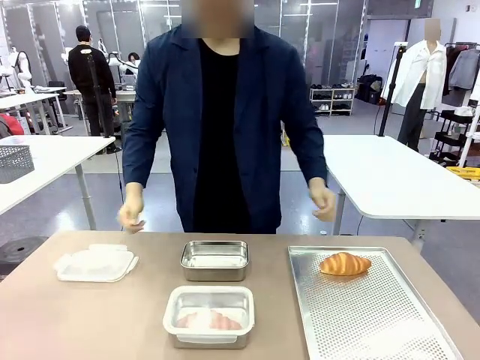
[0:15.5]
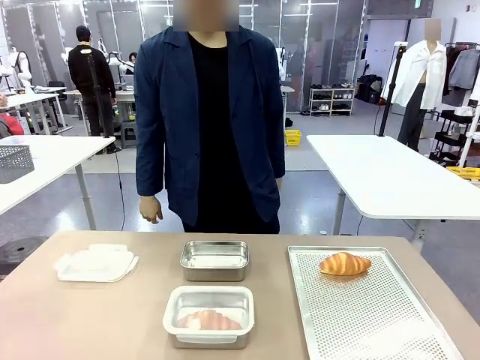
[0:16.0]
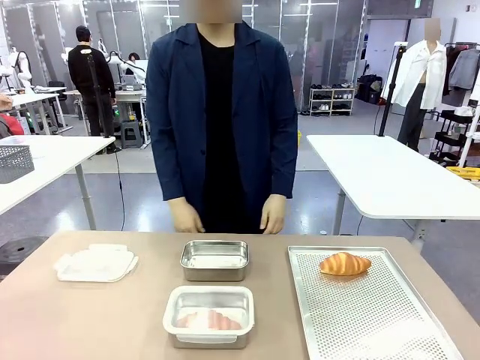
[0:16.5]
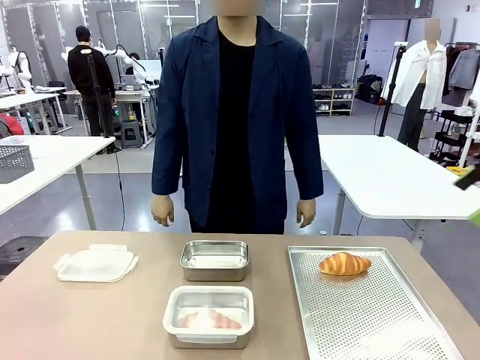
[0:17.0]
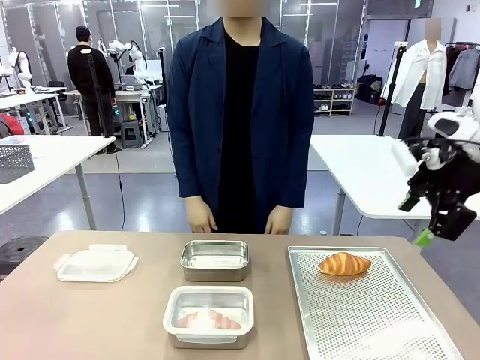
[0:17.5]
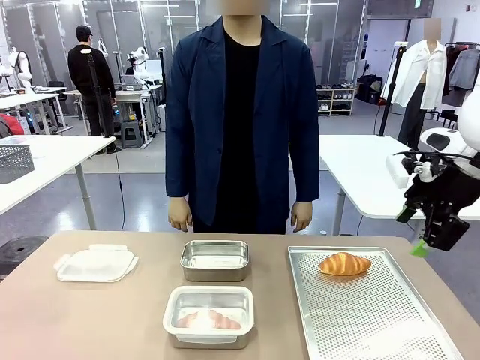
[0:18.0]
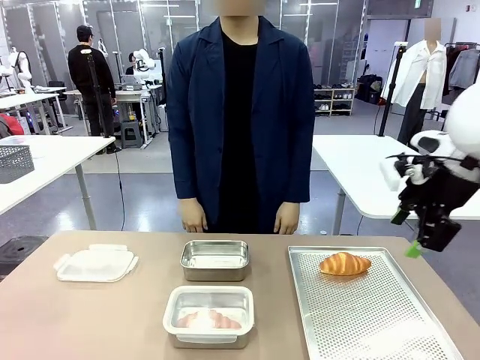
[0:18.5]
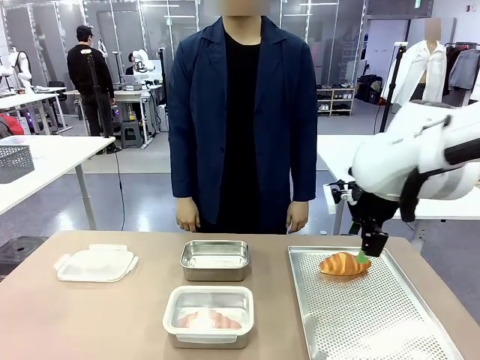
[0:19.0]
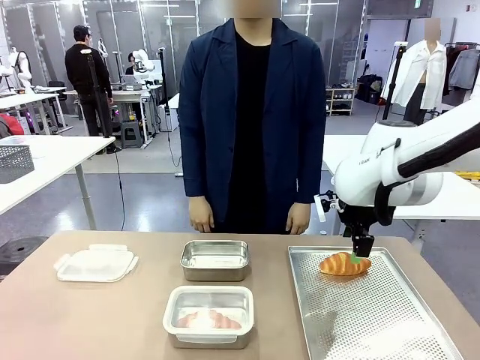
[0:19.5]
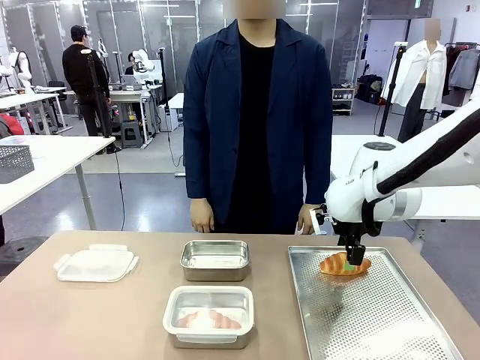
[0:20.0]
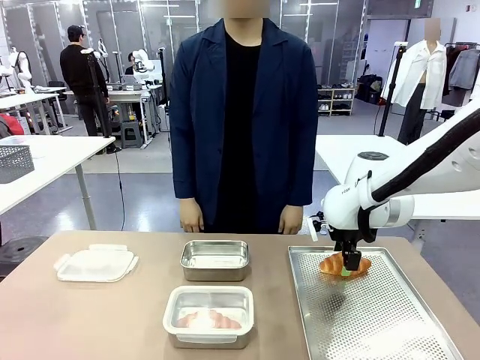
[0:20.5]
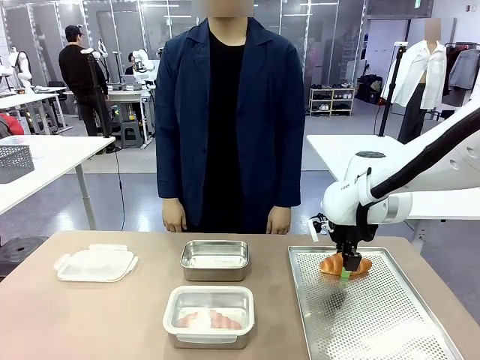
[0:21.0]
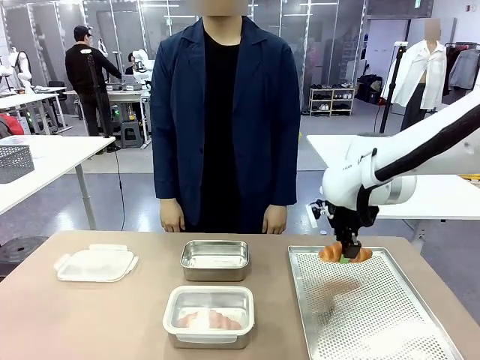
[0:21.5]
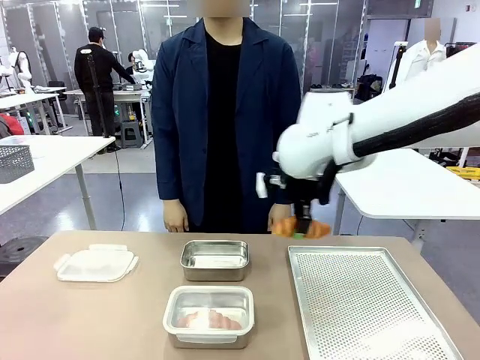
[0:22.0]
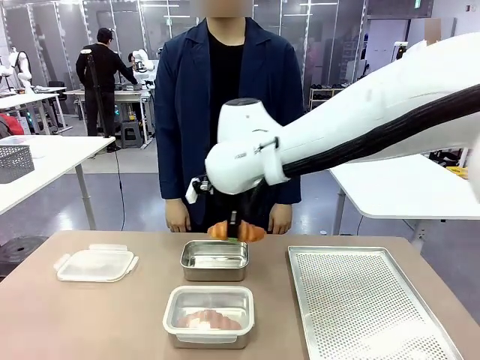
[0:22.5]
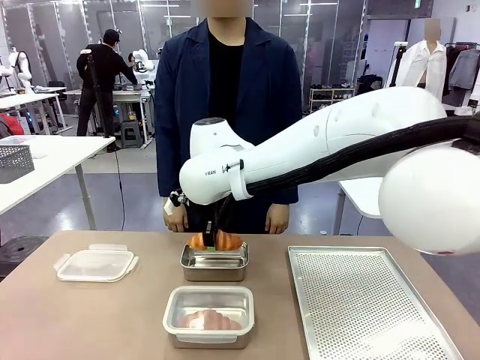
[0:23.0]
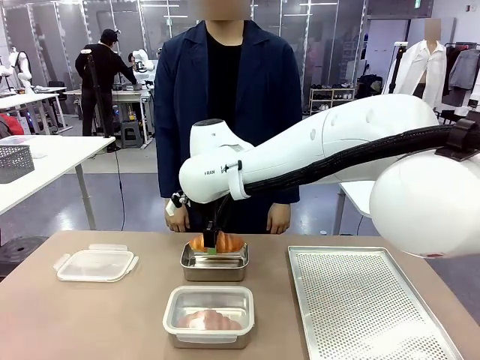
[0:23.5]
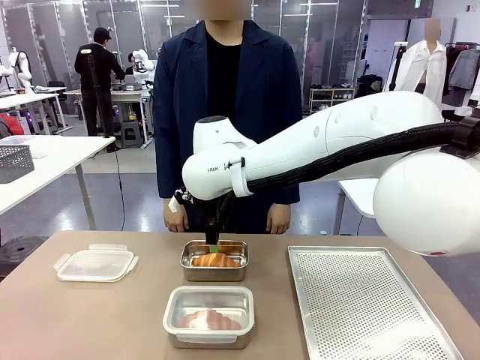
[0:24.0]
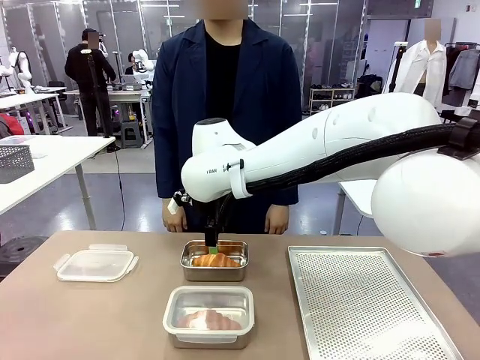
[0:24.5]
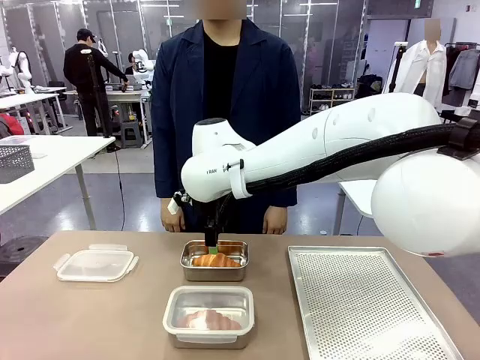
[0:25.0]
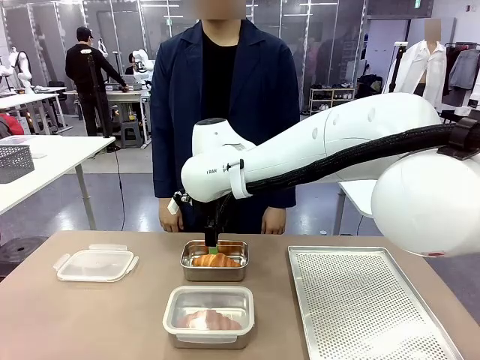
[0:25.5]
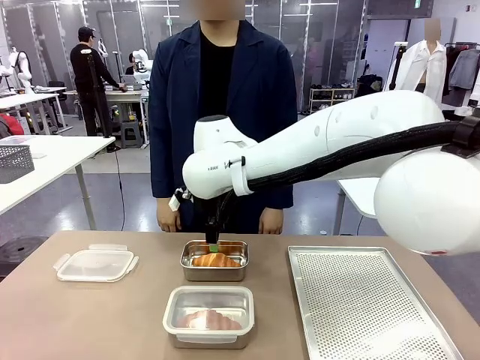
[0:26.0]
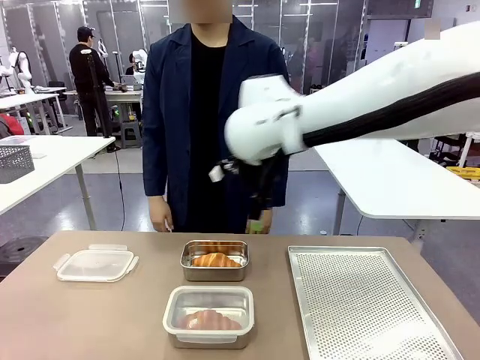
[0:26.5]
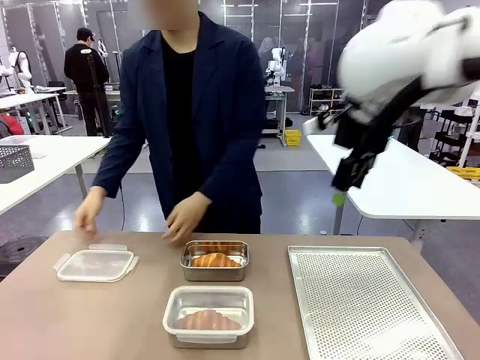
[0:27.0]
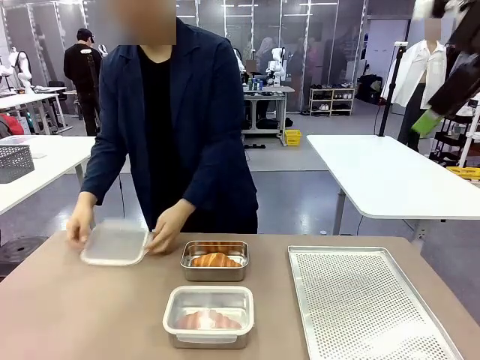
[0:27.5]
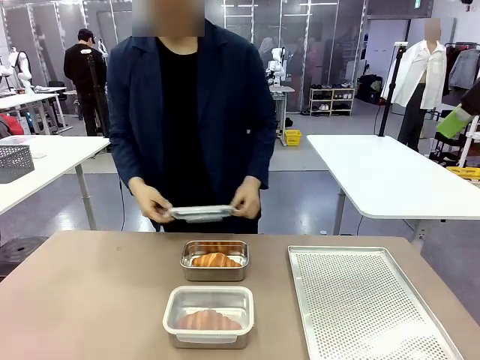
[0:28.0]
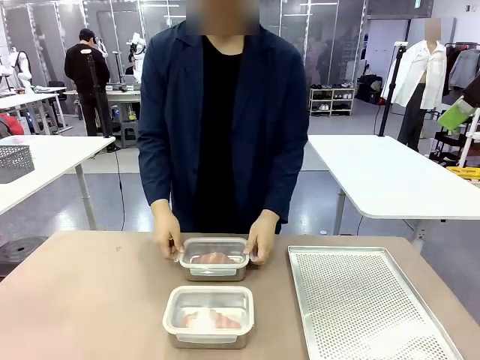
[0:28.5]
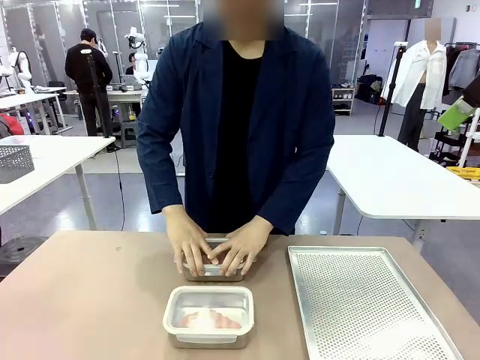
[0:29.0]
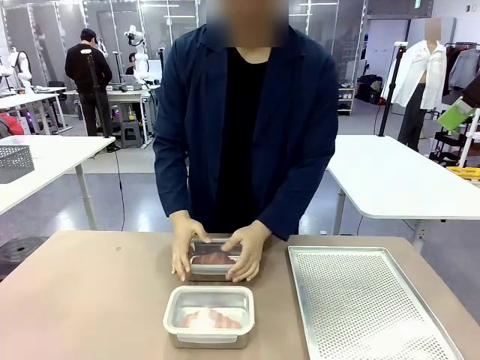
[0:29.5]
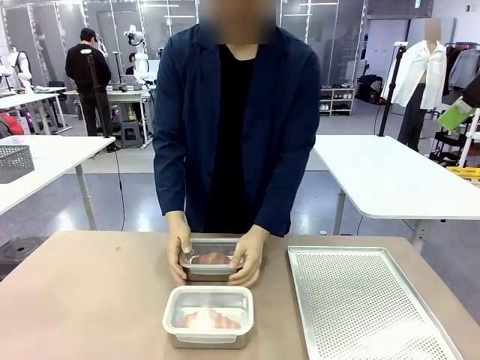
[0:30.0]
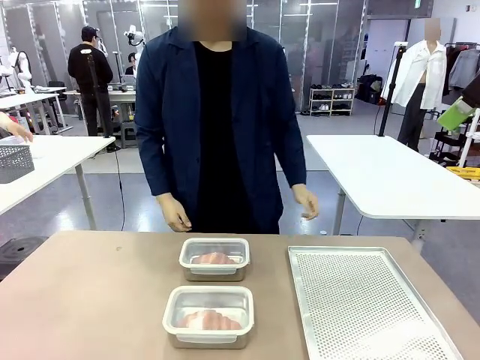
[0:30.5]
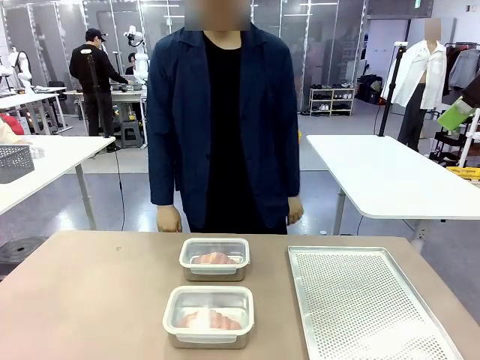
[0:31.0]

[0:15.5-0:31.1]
Task: Place the bread into the airtight container.
Robot: Pick up a Butter Roll and place it into an empty Airtight Container.
Person: Once a Butter Roll is inside an Airtight Container , close the lid of that Airtight Container.

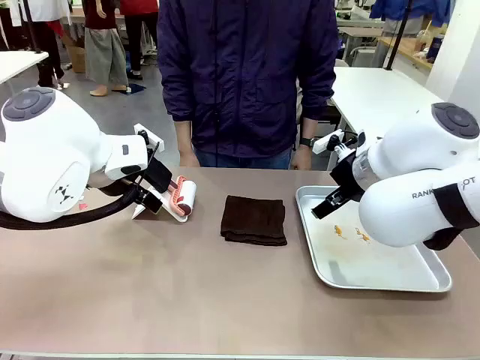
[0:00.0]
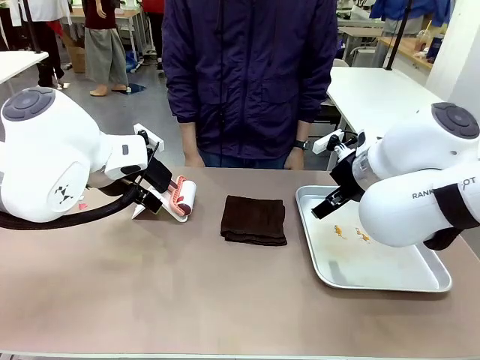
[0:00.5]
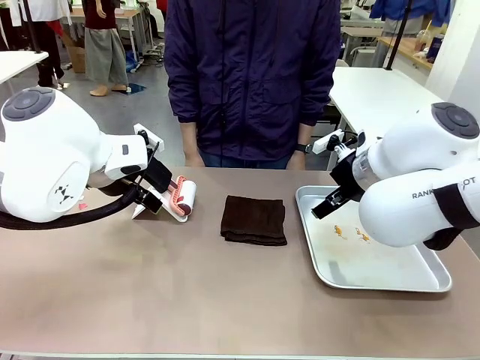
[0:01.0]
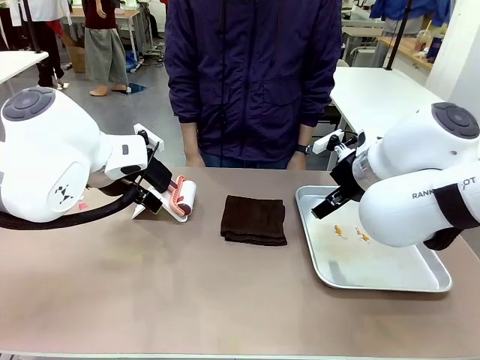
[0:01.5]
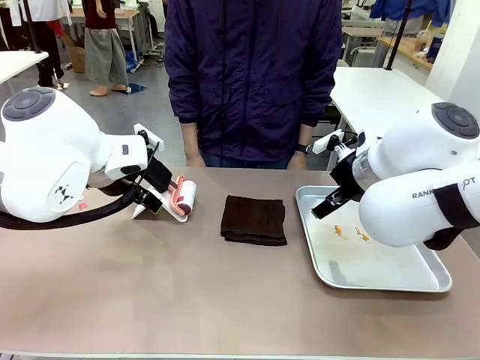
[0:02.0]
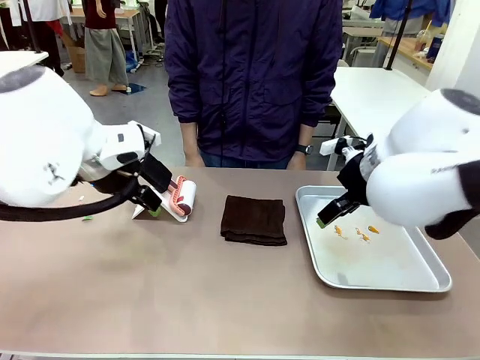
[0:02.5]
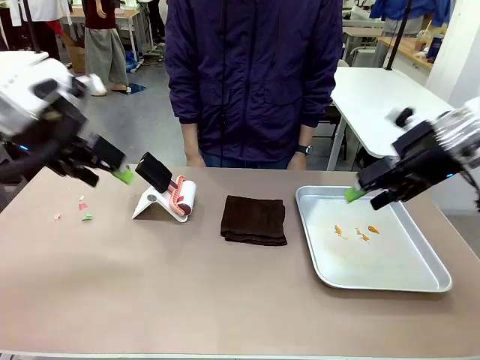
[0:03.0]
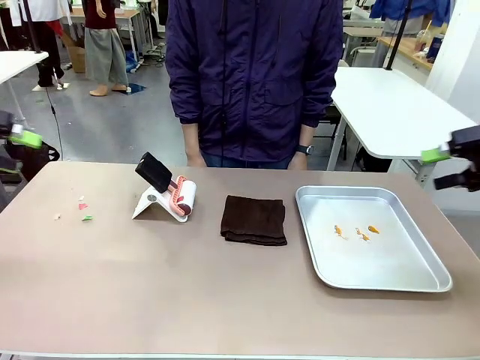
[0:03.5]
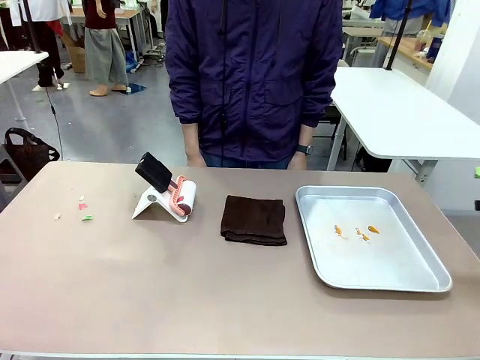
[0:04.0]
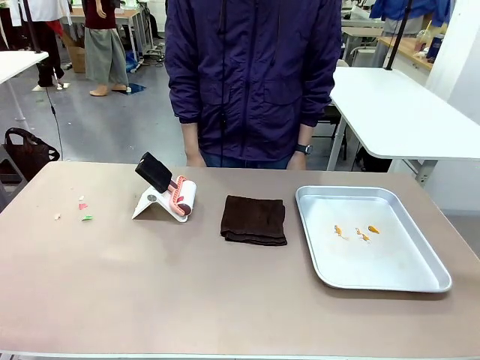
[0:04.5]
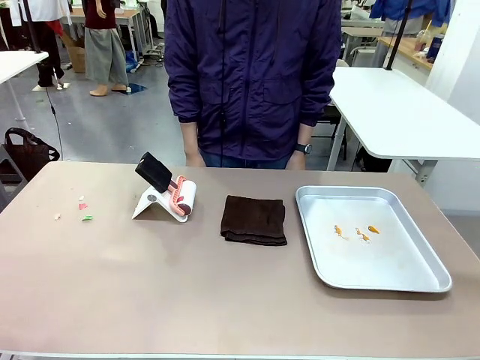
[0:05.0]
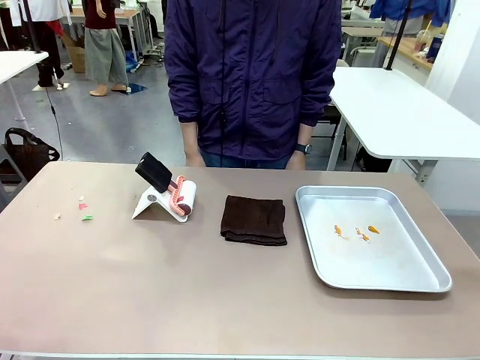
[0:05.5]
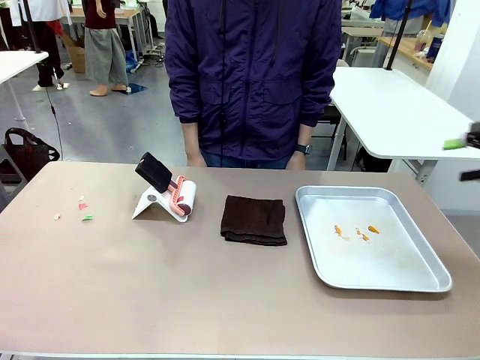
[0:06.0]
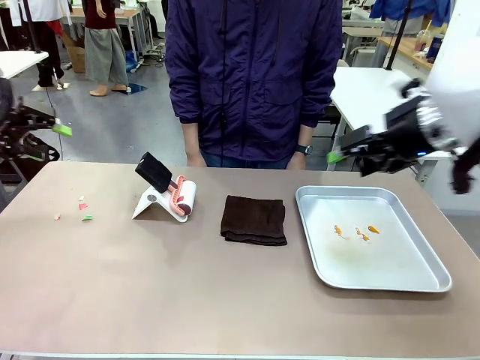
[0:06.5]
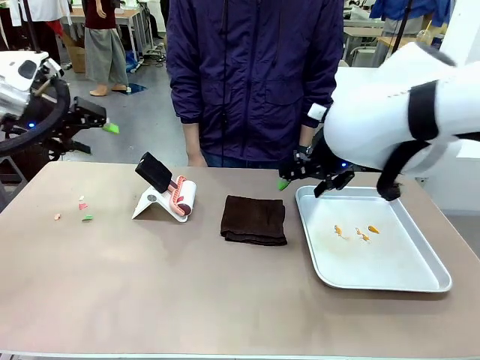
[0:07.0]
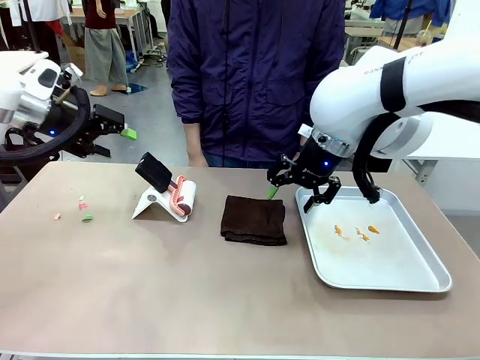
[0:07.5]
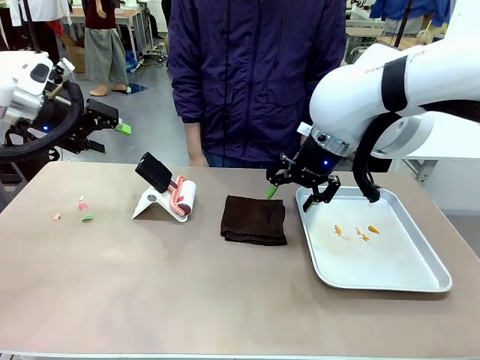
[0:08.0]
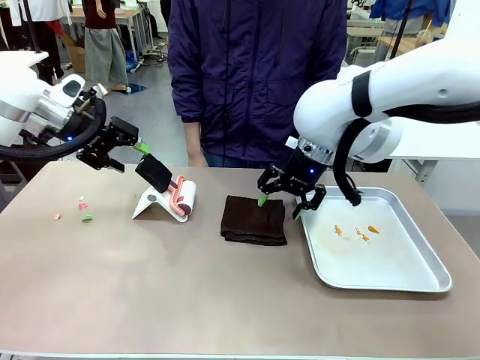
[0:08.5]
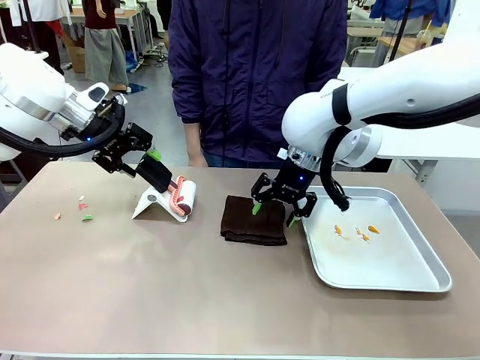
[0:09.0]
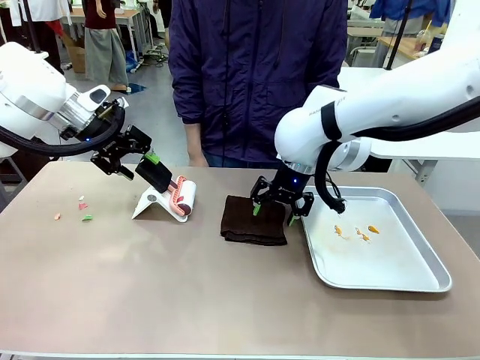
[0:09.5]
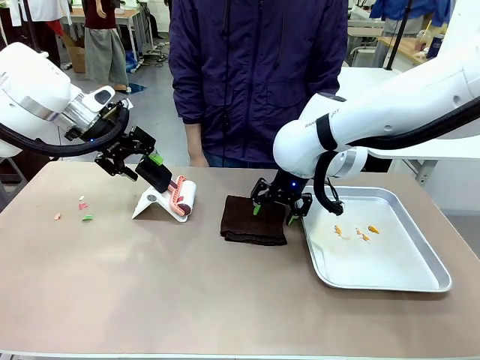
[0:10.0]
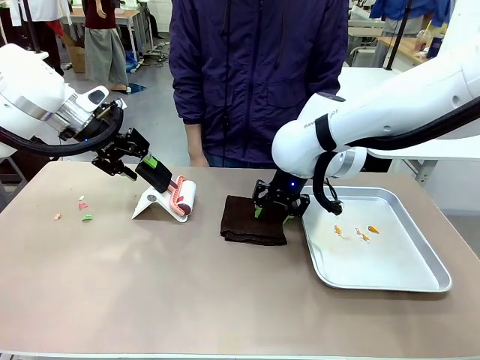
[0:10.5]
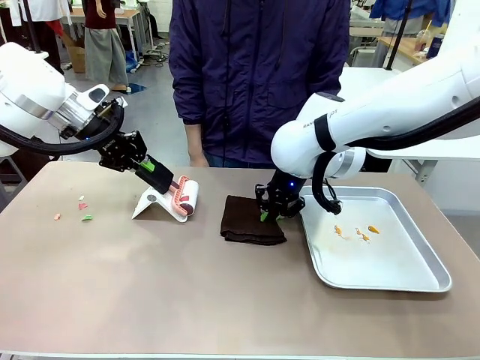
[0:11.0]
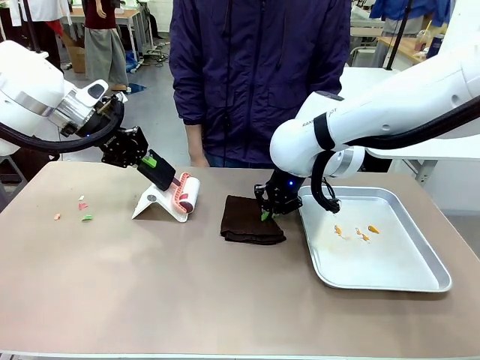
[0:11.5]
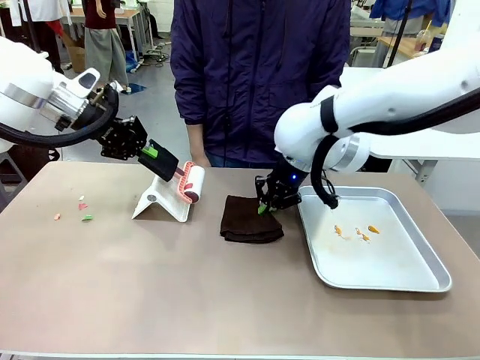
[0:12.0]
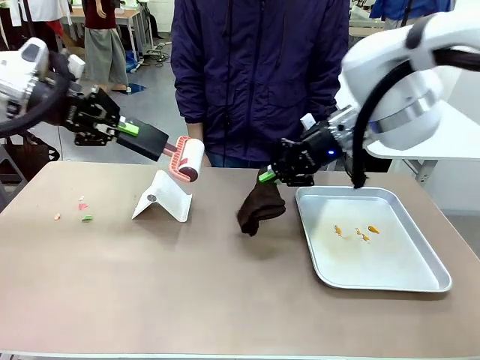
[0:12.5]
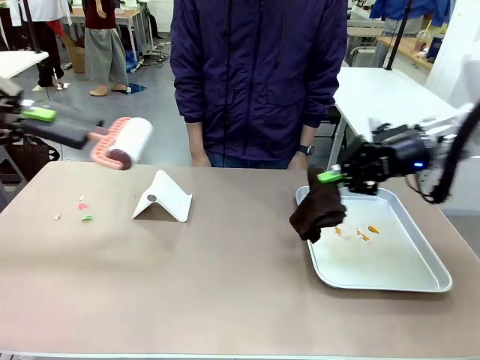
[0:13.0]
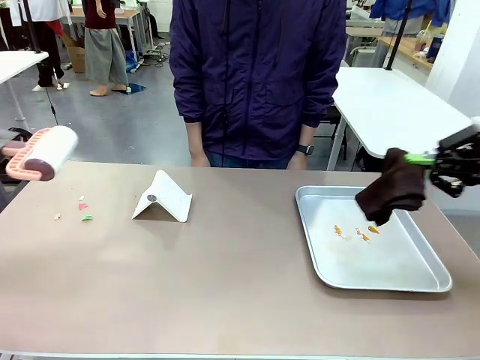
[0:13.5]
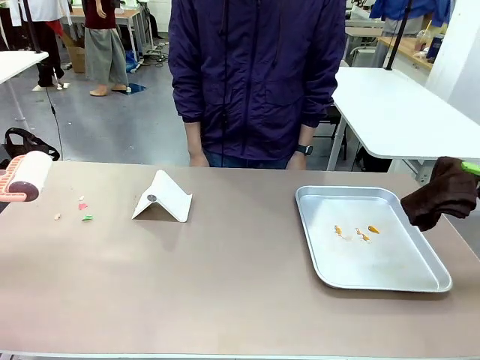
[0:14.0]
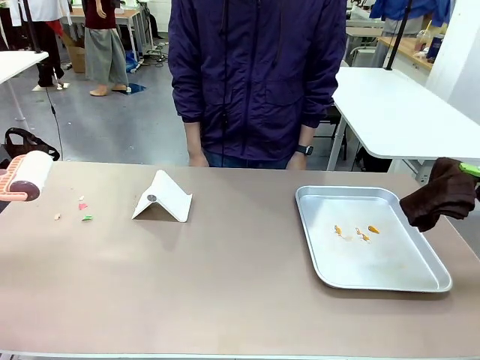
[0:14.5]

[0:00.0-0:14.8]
Task: Clean the surface of the table.
Robot: Hold the Lint Roller with your left hand and the towel with your right hand.
